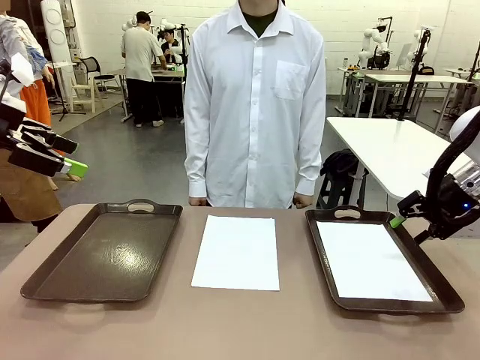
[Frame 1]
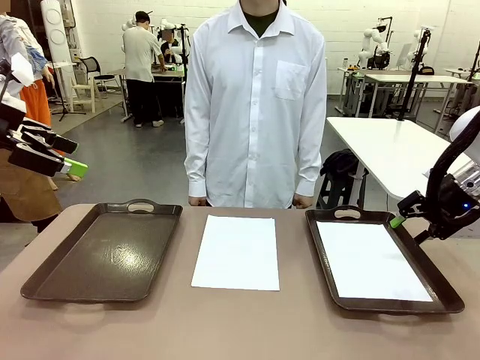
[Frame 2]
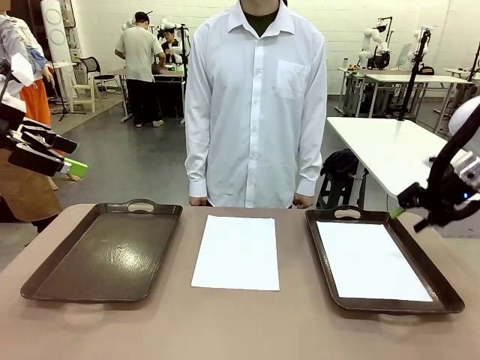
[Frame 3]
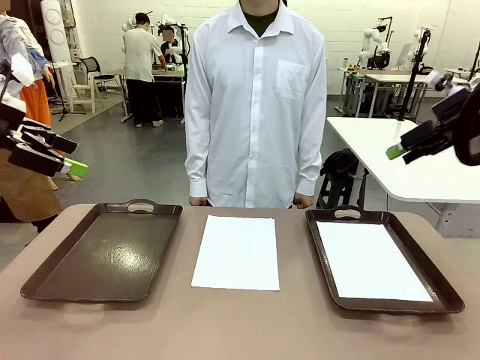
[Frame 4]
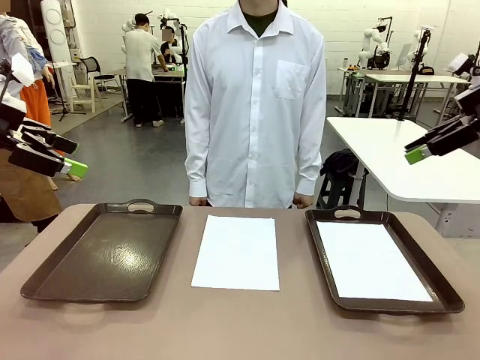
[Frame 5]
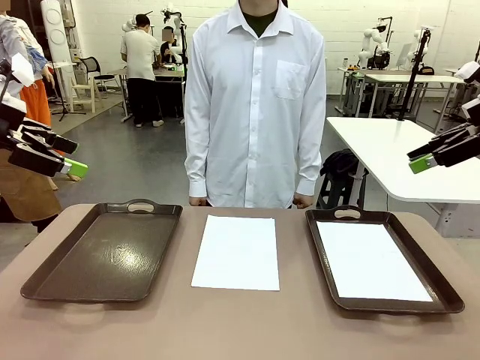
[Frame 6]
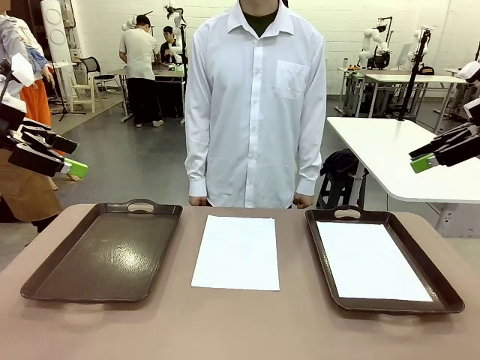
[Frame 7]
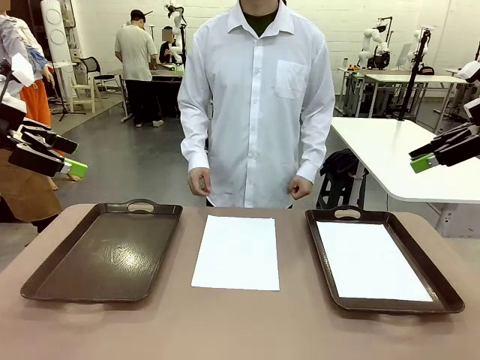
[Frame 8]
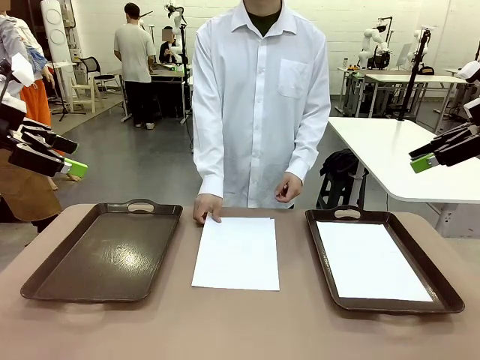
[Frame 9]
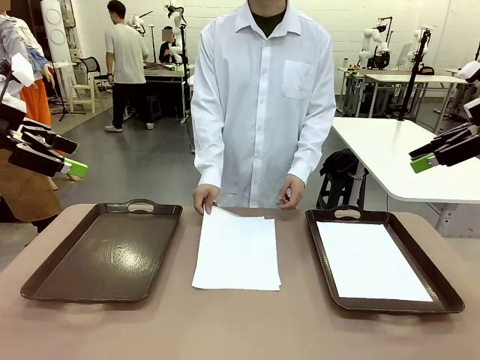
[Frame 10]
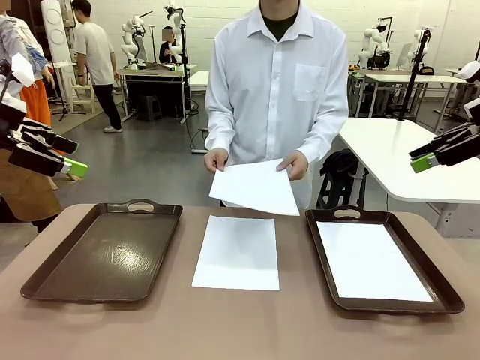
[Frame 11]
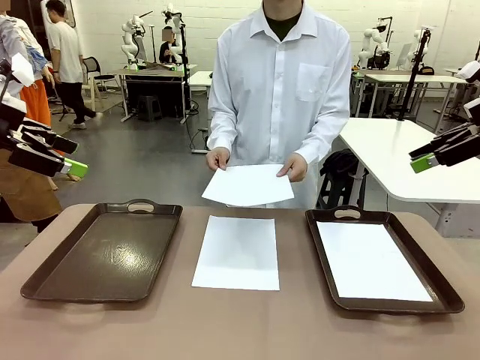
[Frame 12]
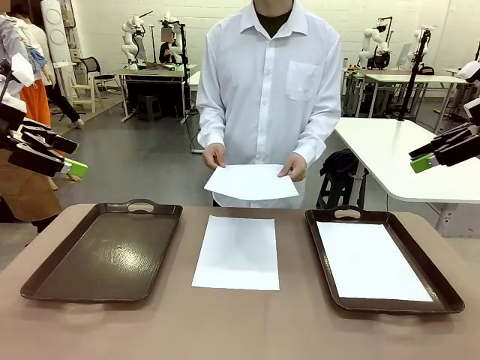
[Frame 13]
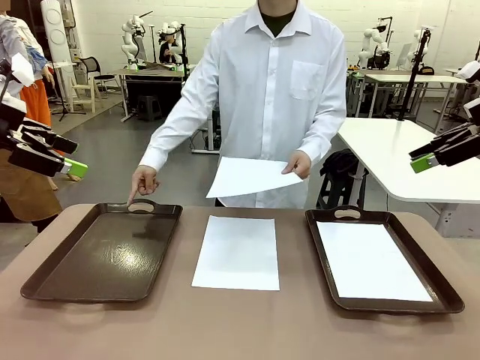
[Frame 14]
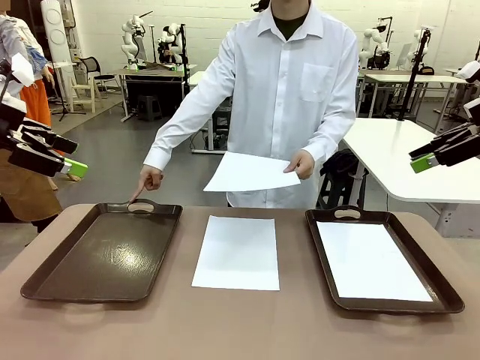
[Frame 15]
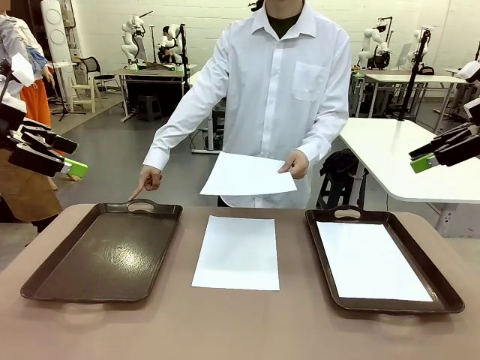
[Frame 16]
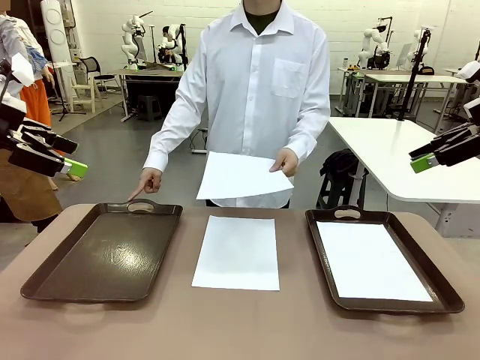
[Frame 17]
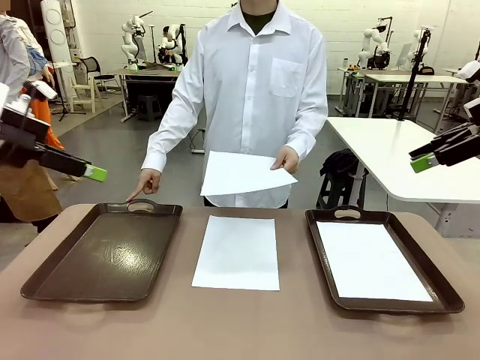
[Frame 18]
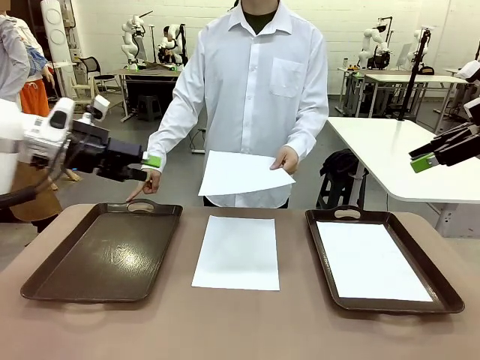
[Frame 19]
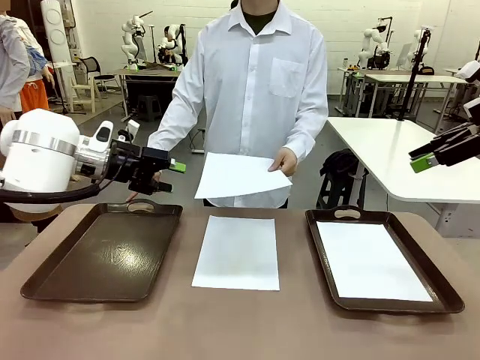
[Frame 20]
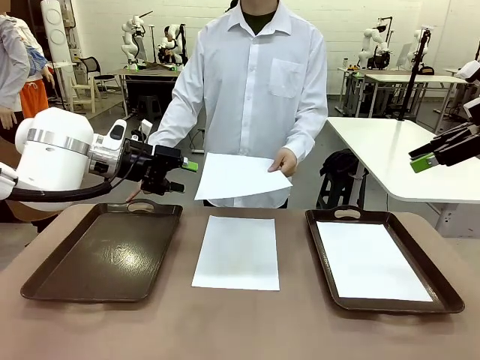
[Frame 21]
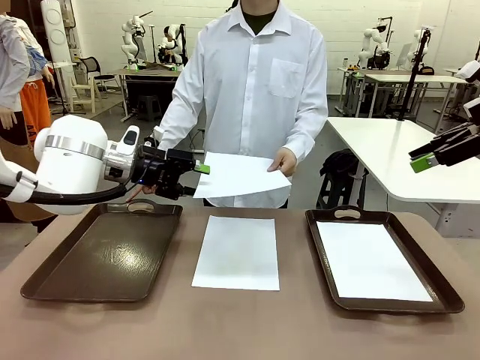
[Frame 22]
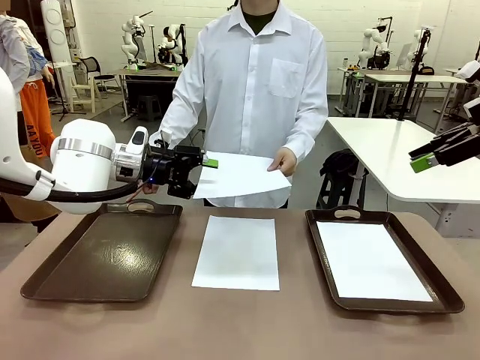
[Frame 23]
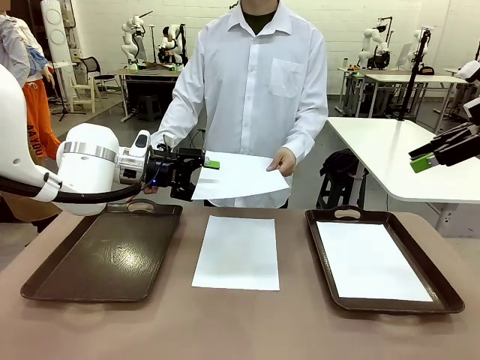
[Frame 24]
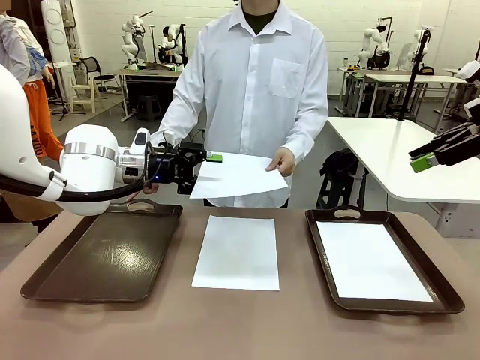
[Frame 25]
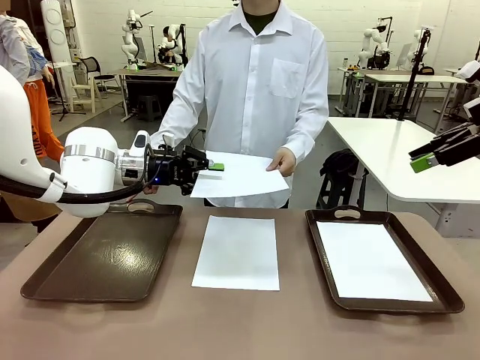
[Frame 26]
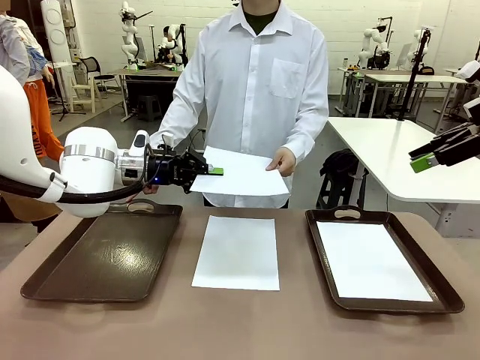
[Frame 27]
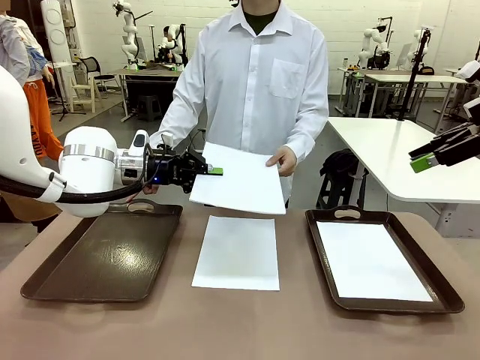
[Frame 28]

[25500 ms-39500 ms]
Task: Sort the A4 documents.
Robot: Receive the A4 Paper.
Person: Point the randomly selected tray with the other hand.

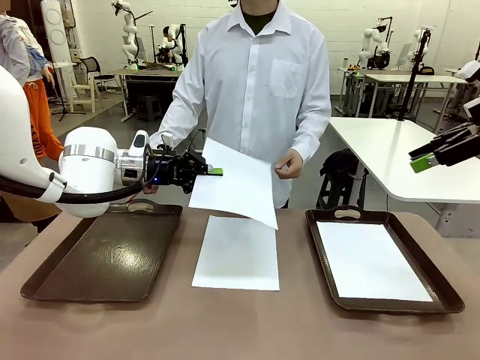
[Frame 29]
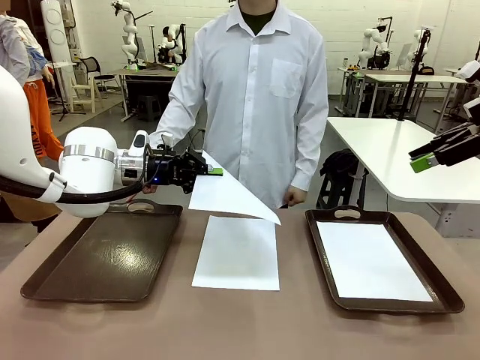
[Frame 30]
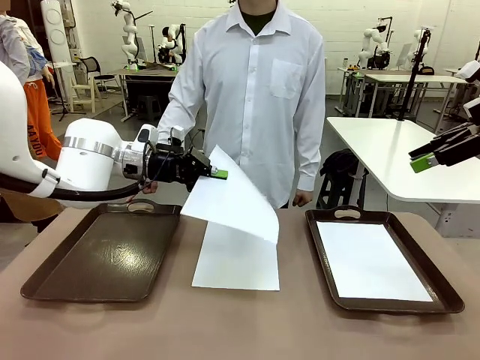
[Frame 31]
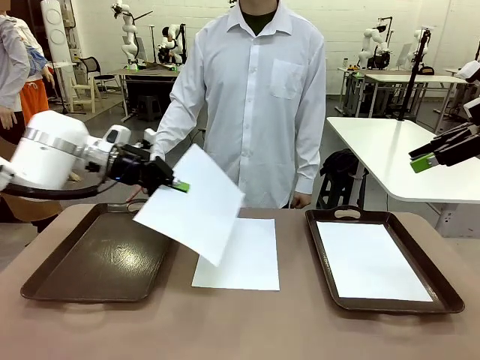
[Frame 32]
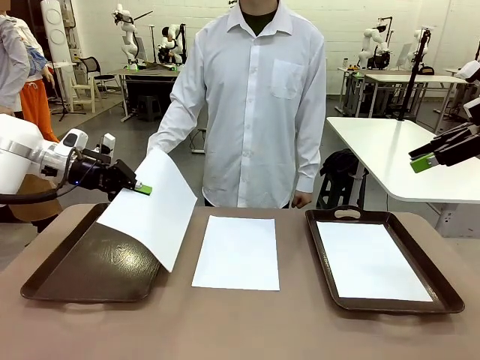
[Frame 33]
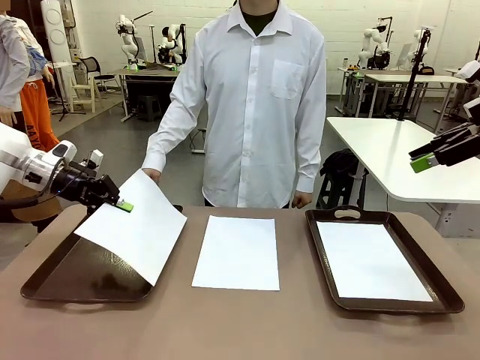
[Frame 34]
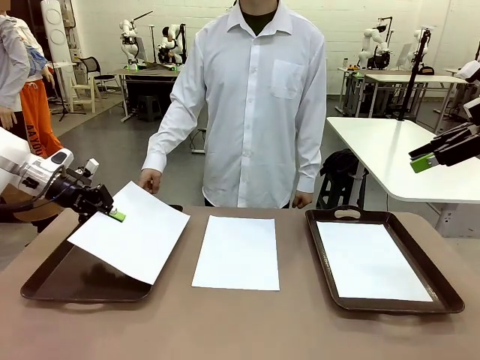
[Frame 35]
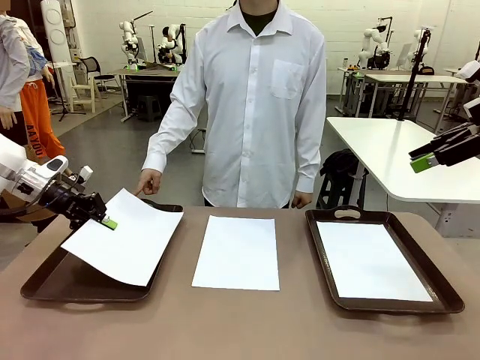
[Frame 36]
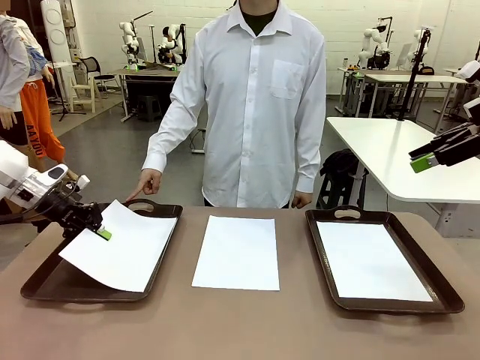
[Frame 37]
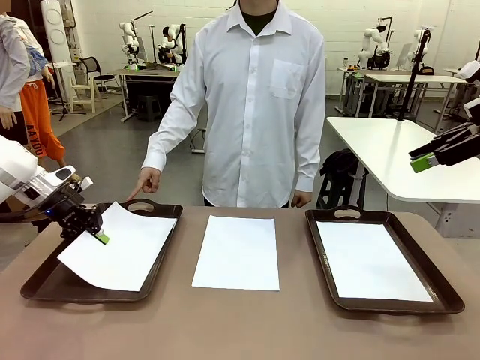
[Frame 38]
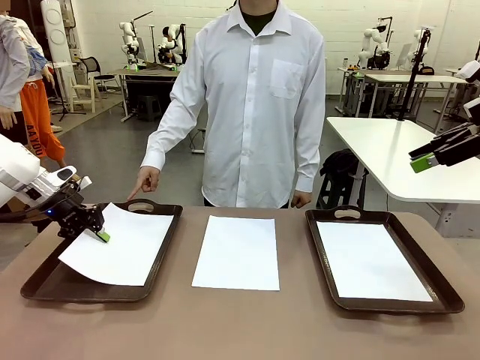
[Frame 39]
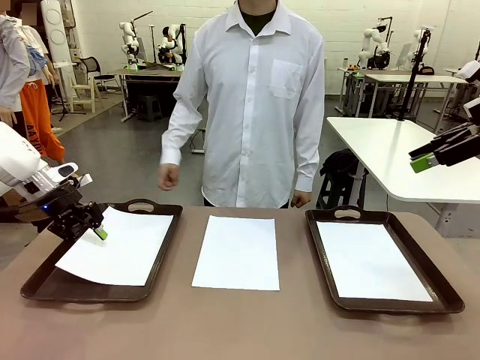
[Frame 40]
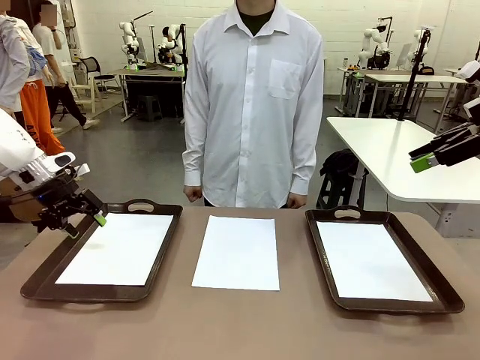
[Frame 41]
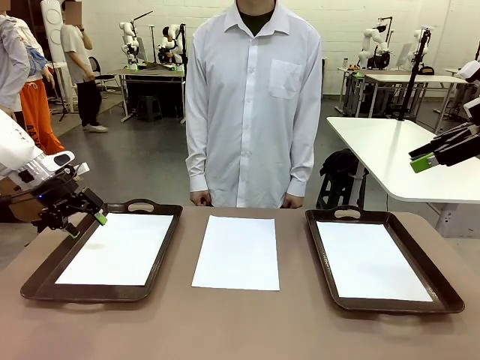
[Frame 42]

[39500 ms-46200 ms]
Robot: Place the A4 Paper in the designated Handle tray.

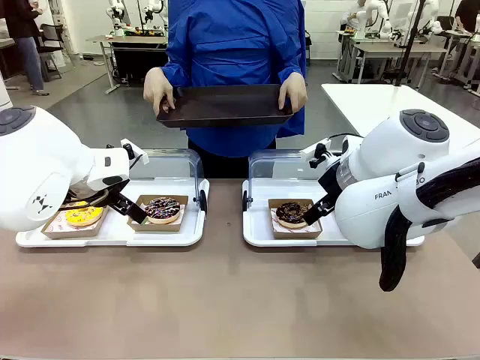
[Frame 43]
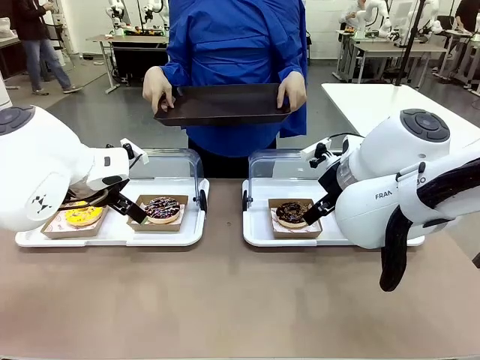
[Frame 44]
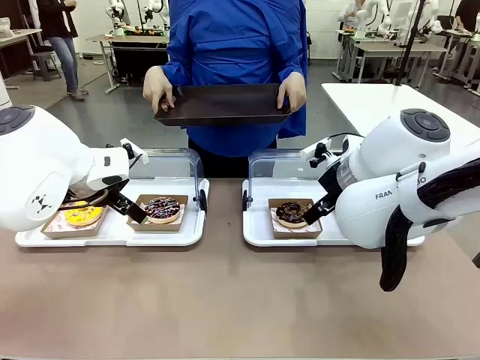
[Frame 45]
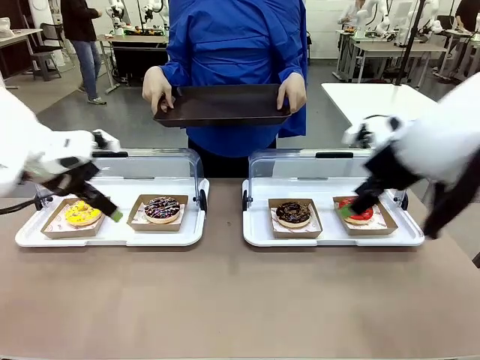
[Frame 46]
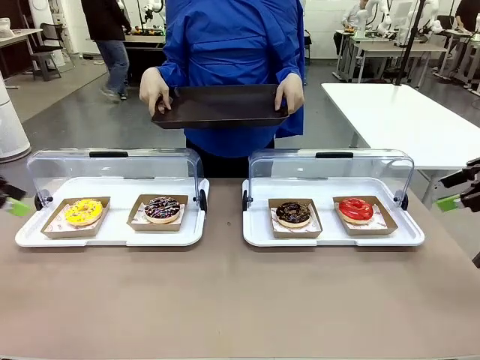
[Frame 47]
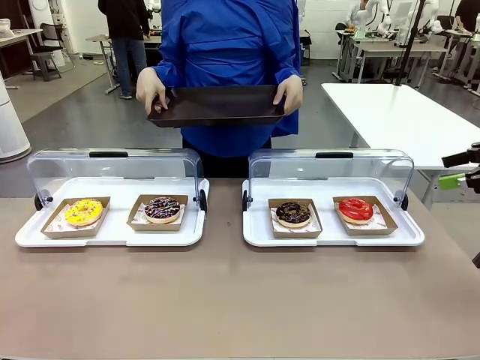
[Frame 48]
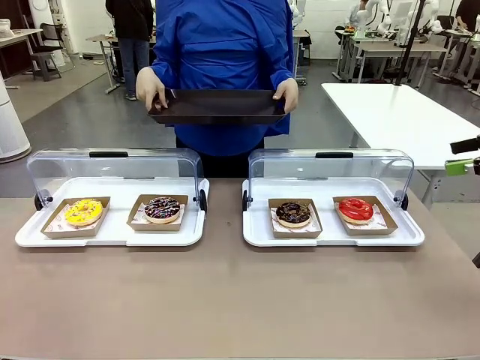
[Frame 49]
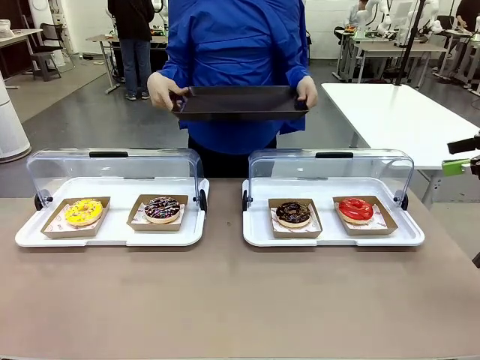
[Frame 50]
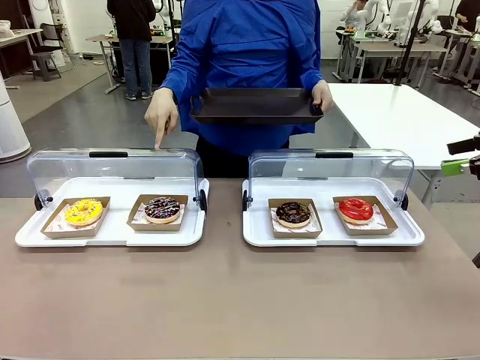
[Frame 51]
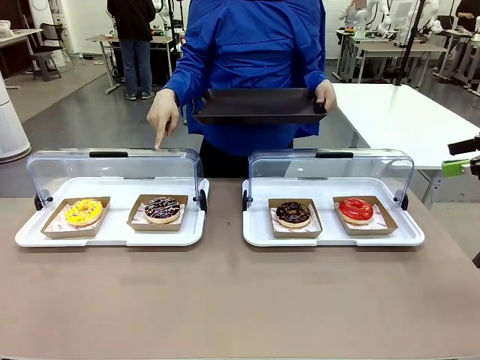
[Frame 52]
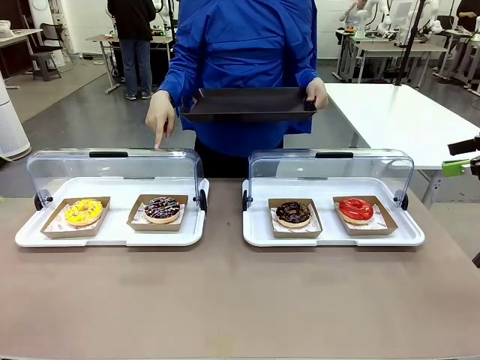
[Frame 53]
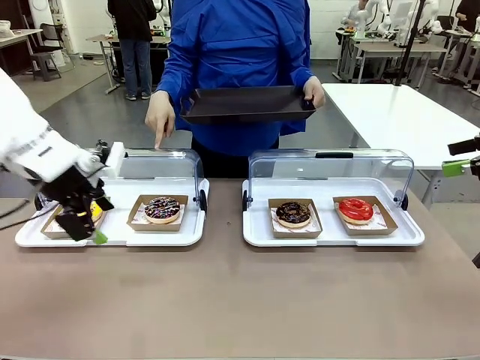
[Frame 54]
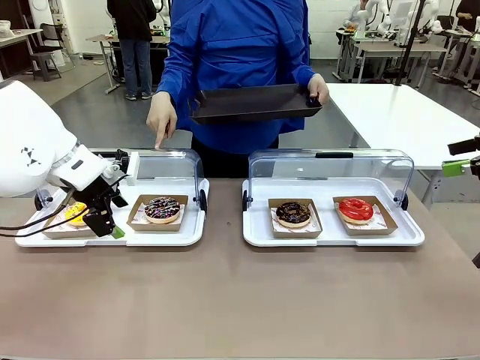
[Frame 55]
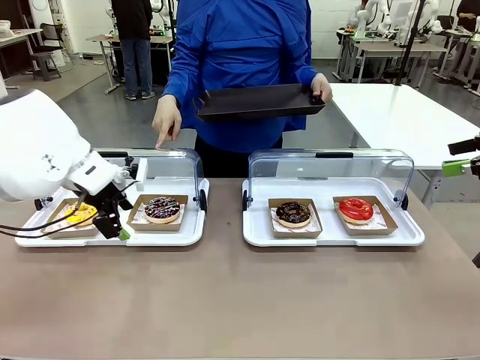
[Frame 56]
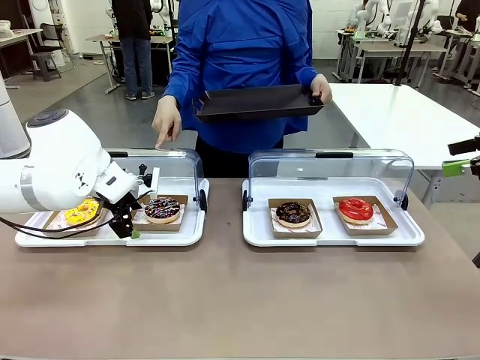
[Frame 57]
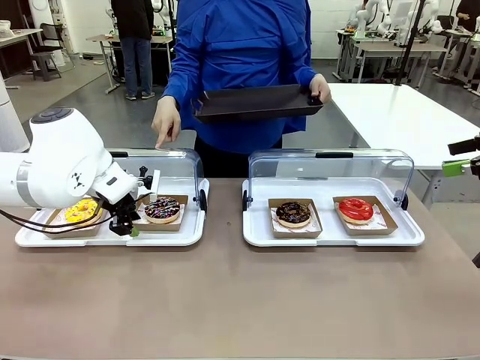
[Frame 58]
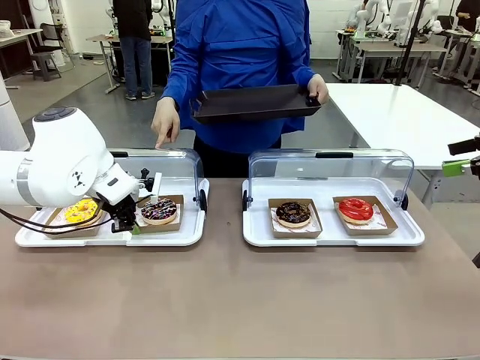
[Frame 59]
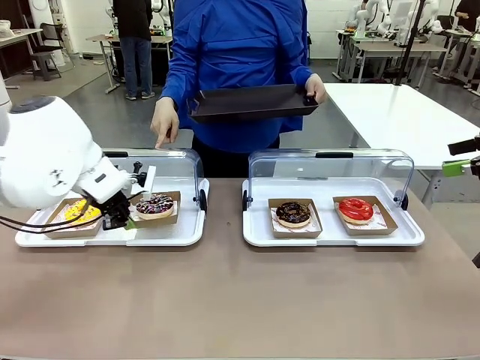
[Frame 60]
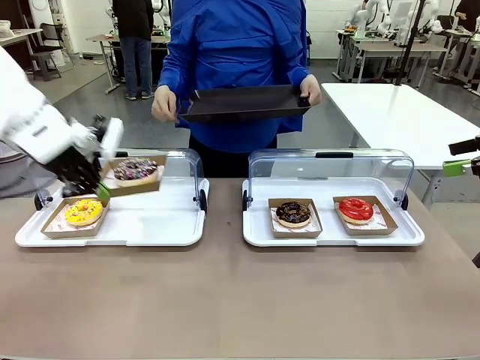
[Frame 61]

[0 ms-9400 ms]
Task: Provide the desired donut to the person.
Robot: Pick up and lift the Paper togo box containing the Donut pointed at by the person.
Person: Point to one donut. Lift the tray onto the Roll-Top Bakery Case.
